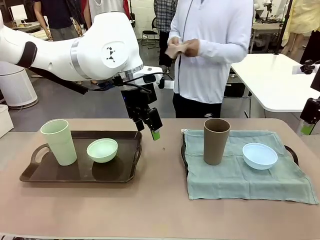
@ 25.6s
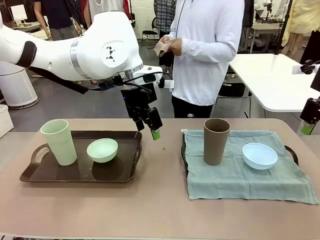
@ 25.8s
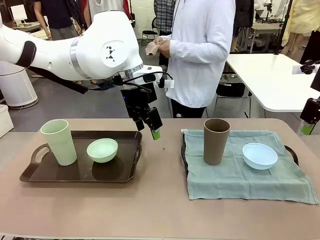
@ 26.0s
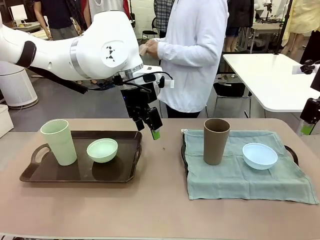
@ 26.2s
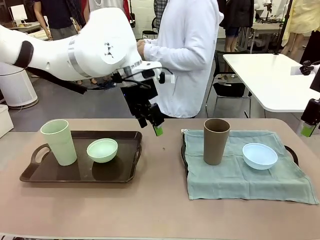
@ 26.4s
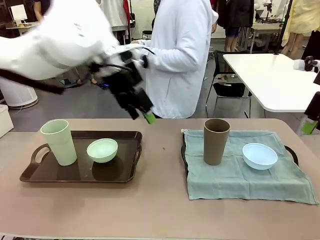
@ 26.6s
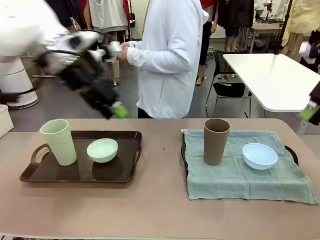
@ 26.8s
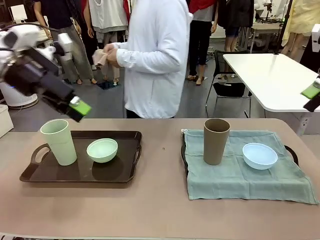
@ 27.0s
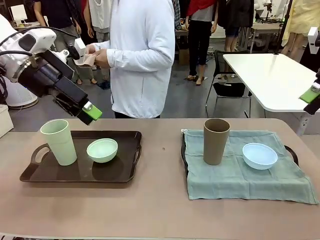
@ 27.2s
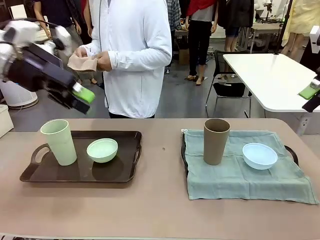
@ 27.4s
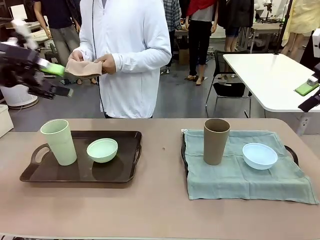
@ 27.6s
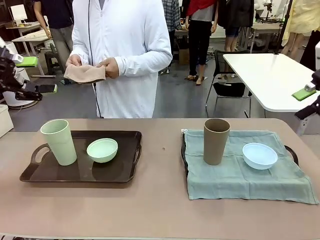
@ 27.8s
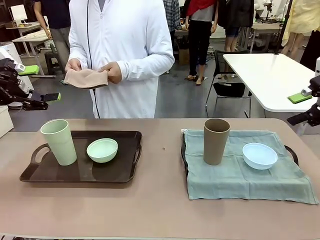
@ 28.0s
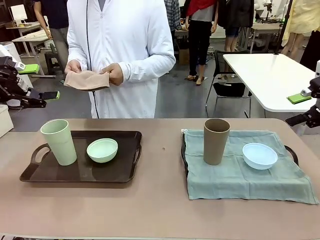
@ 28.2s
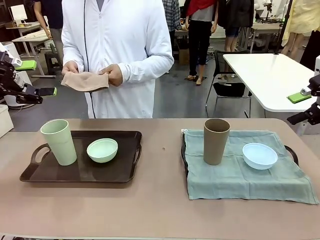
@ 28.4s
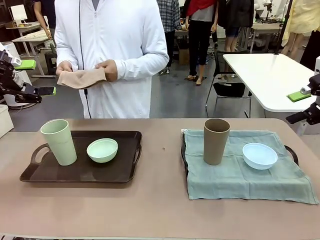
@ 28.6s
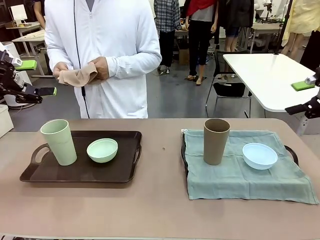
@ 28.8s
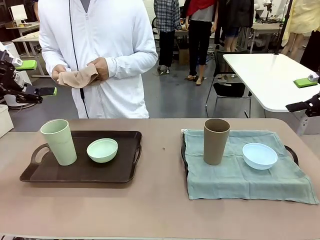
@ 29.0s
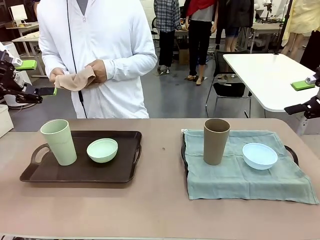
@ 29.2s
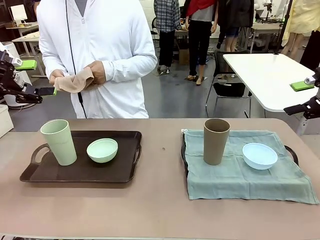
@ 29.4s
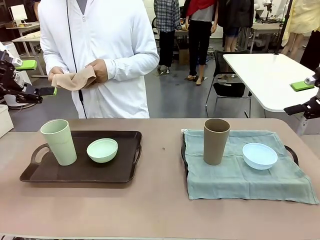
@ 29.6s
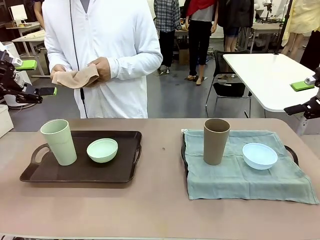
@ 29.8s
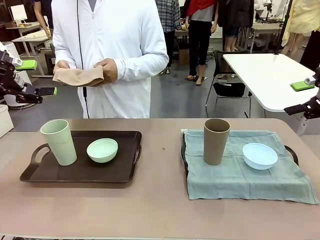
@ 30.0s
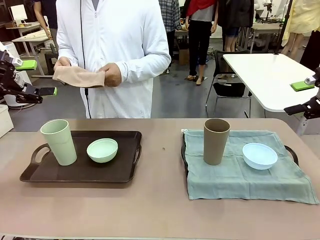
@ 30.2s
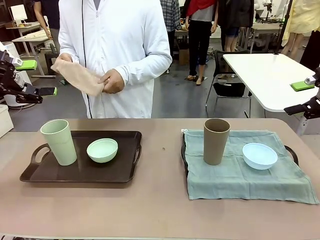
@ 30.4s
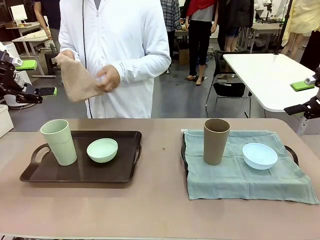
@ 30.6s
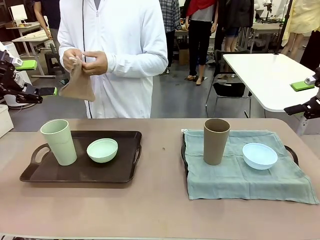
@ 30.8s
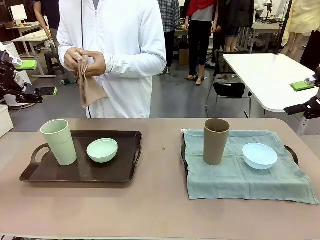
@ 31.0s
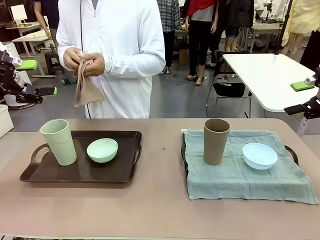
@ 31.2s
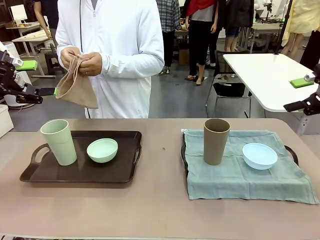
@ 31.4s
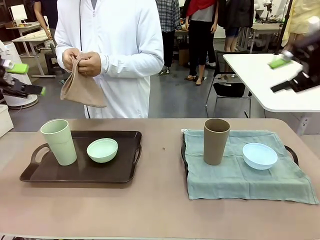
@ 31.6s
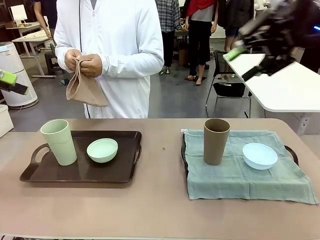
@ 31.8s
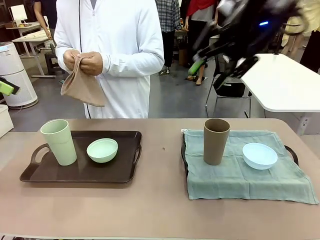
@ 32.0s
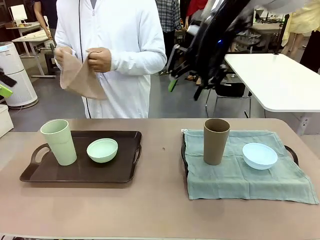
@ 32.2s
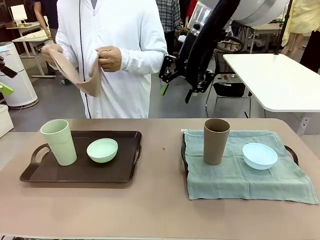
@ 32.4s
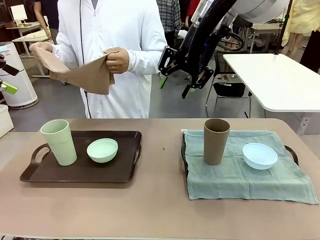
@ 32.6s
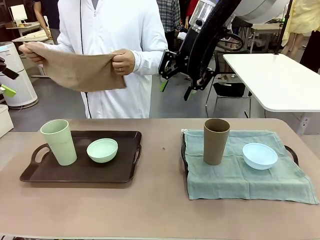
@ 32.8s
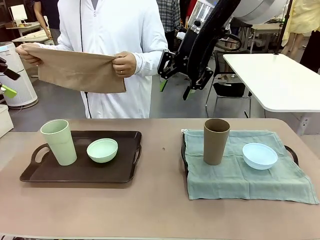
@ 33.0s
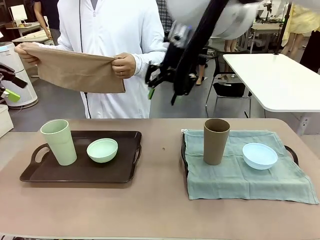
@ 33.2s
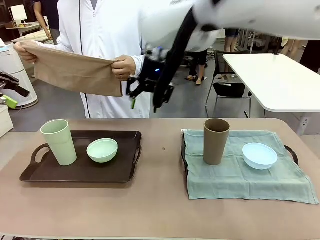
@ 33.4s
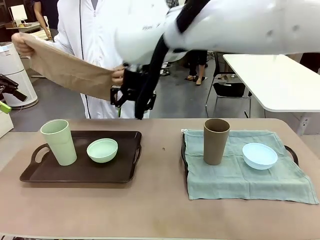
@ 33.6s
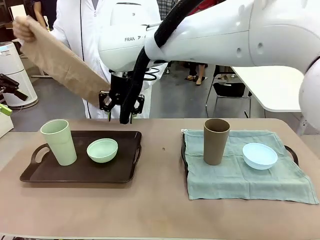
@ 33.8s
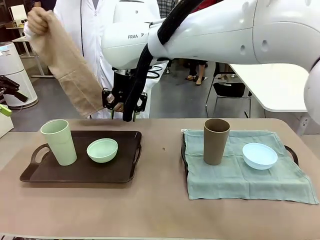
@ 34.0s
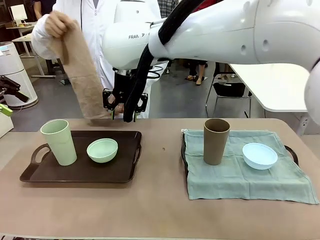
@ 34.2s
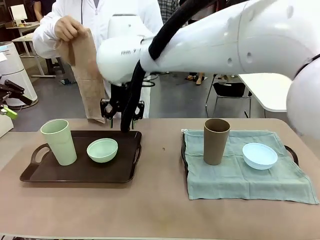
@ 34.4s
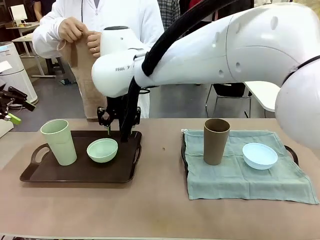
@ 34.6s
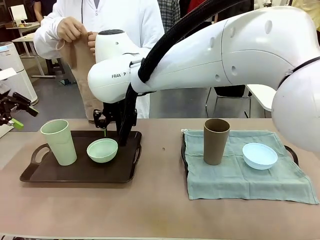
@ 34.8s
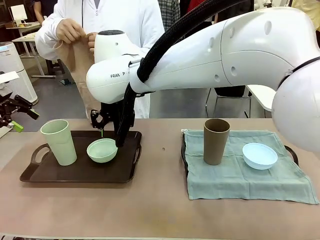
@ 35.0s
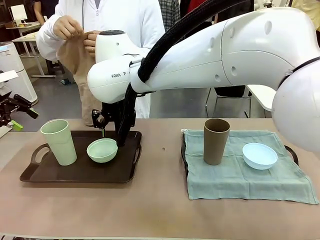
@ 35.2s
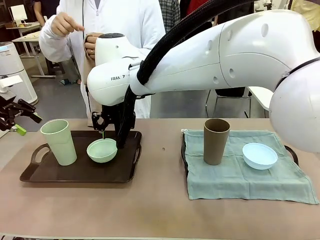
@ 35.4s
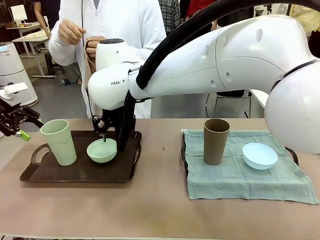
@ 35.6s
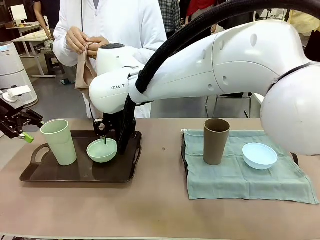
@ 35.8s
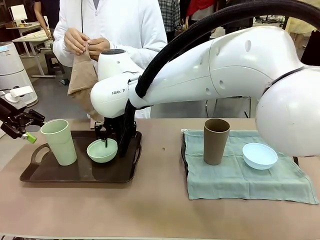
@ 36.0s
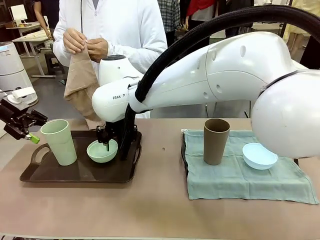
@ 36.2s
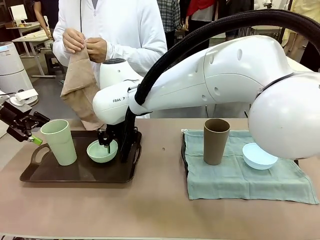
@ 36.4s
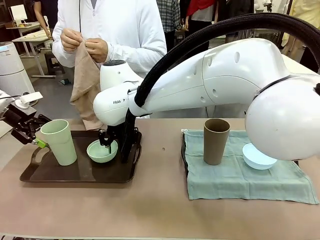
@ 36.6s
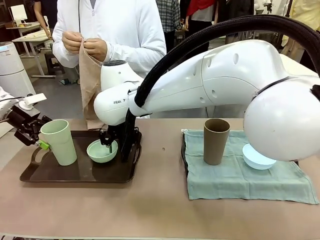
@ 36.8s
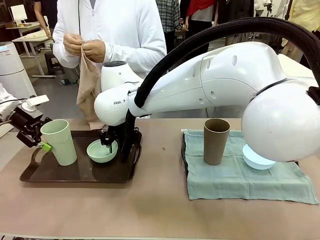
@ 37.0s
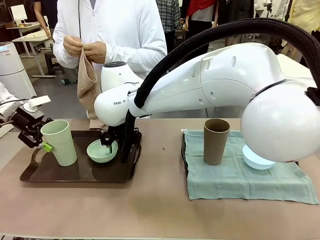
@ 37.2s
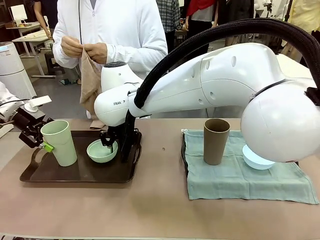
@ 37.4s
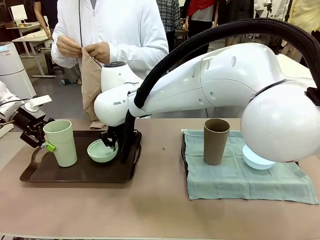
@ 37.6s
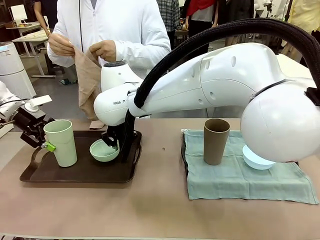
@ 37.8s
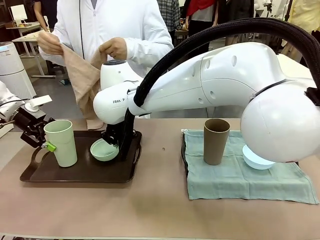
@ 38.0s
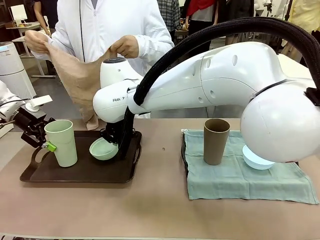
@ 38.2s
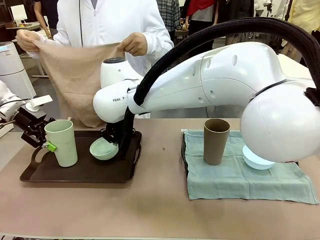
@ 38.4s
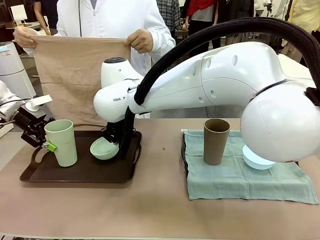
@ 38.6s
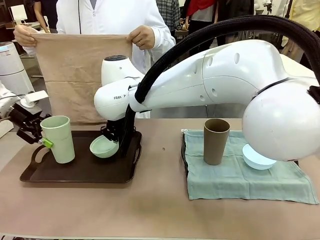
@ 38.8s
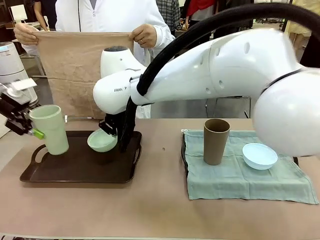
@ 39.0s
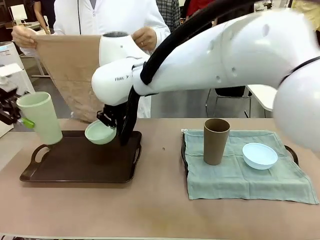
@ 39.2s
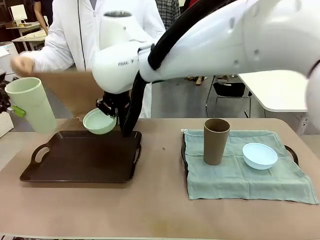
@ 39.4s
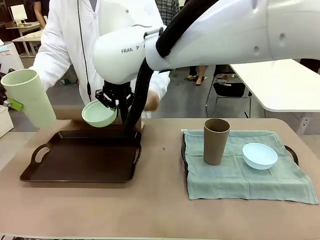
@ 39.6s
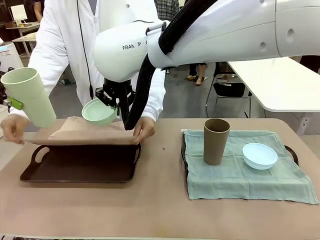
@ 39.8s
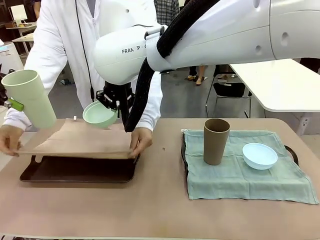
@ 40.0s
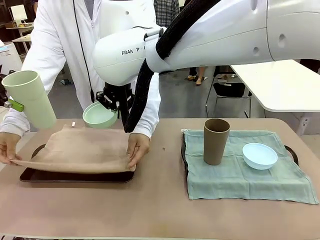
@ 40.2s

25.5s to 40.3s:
Robot: Pick up the Picnic Bowl and Reusable plastic cup from the Handle tray in front of the human's position and hold them in the air.
Person: When the robot lifts the bowl and the cup, the human unfolds the napkin and lays the napkin flat on the tray.

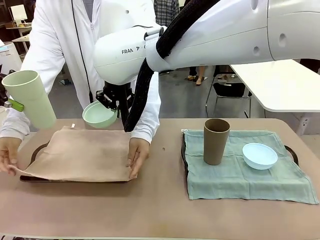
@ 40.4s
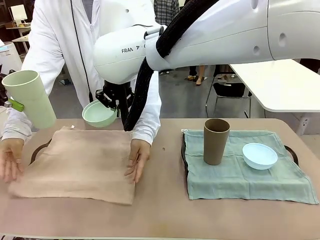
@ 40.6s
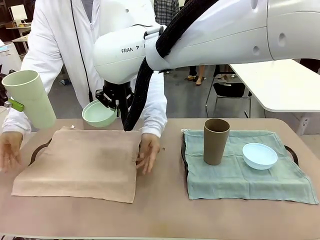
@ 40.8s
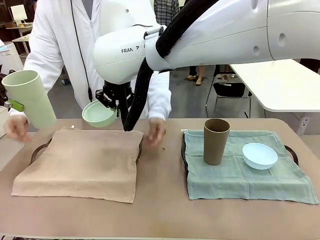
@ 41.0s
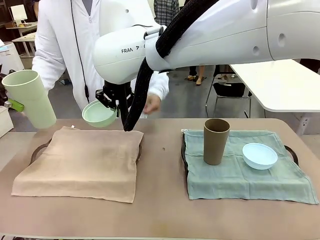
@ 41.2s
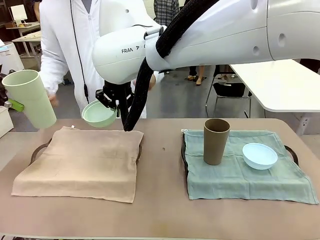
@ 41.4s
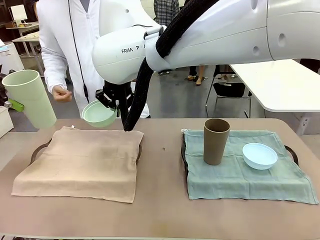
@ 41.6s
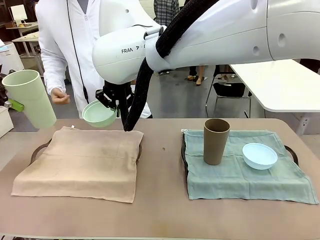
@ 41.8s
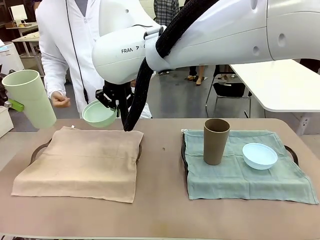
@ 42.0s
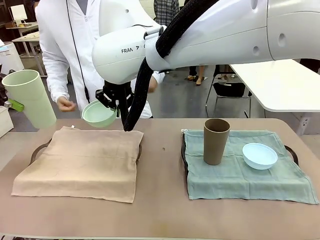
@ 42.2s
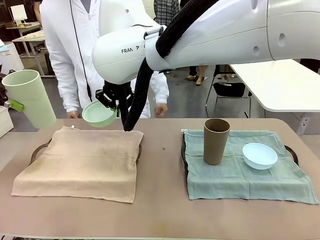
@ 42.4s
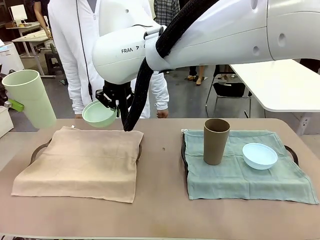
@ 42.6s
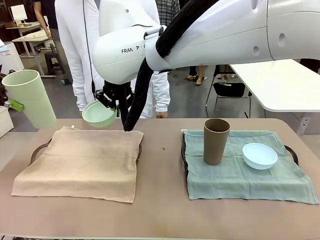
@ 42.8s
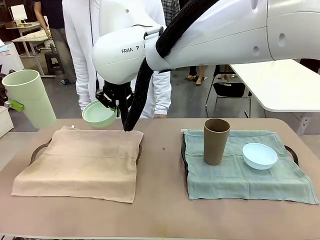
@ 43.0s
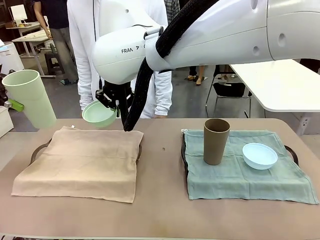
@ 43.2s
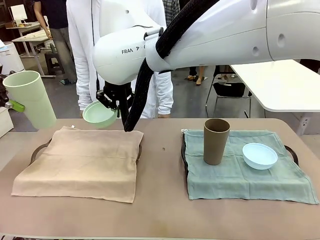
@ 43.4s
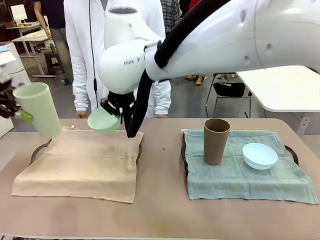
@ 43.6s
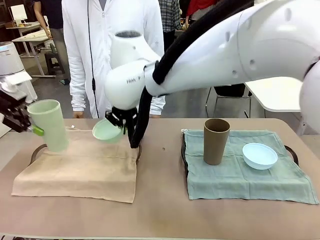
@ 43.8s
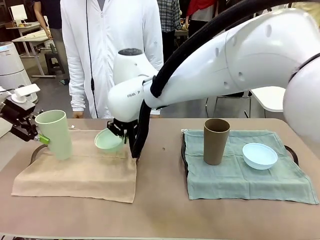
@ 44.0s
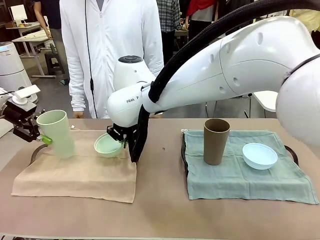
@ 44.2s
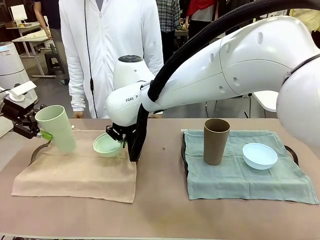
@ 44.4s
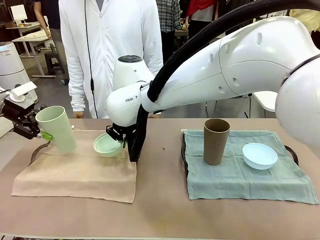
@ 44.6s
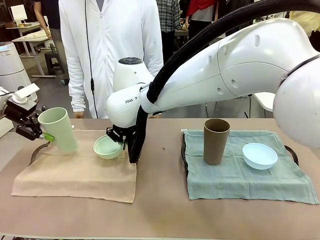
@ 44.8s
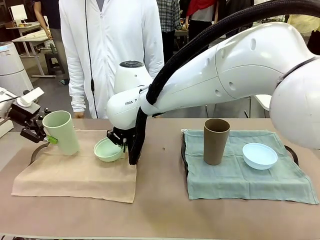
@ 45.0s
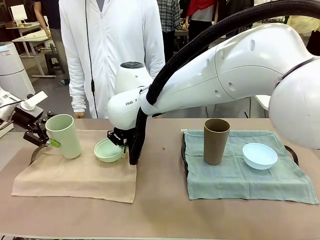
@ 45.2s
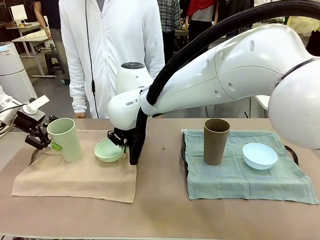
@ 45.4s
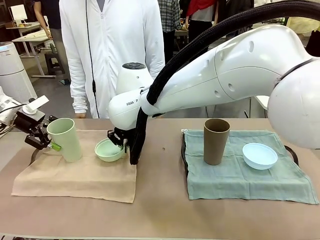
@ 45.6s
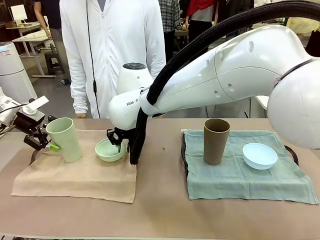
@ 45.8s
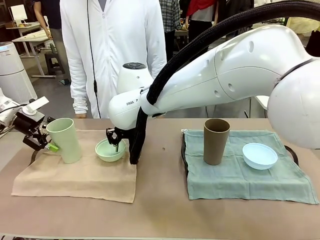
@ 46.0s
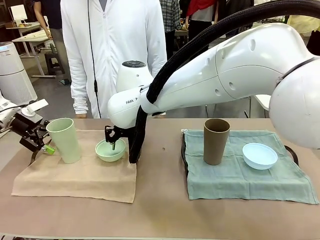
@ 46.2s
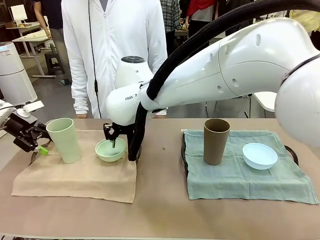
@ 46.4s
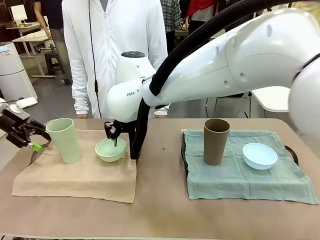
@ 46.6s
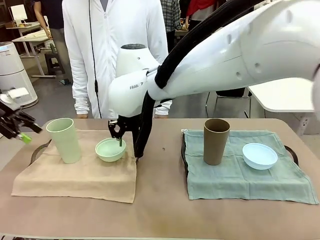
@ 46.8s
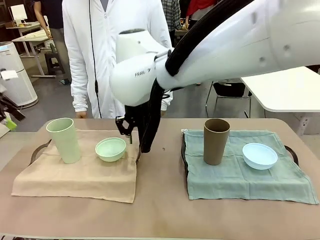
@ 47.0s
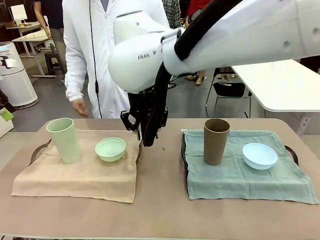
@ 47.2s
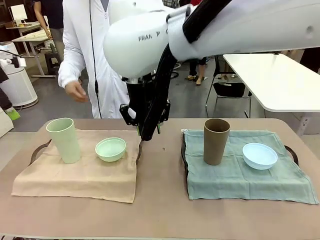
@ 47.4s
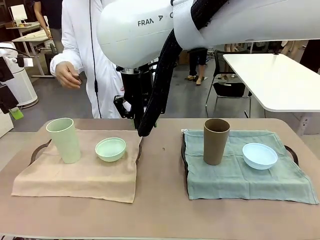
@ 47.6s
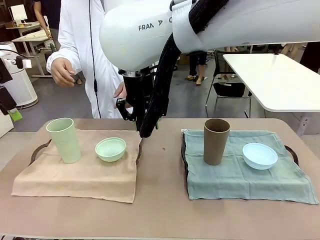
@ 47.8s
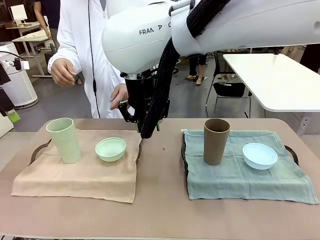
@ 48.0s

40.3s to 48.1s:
Robot: Place the Picnic Bowl and Reusable plastic cup back onto the Handle tray in front of the human's position.
